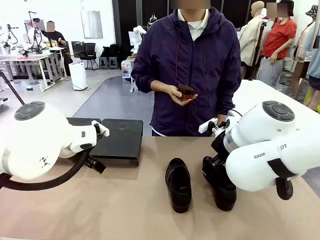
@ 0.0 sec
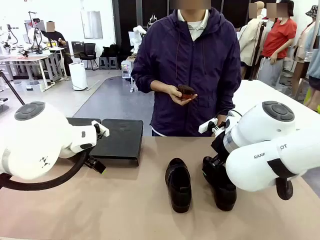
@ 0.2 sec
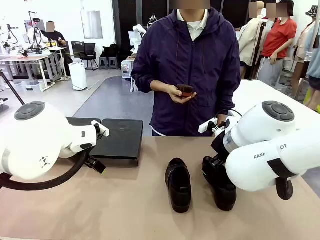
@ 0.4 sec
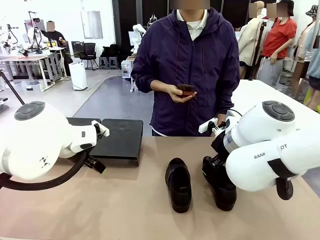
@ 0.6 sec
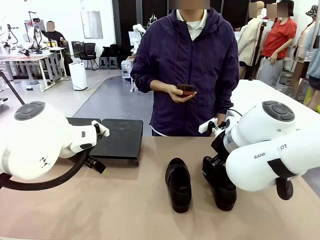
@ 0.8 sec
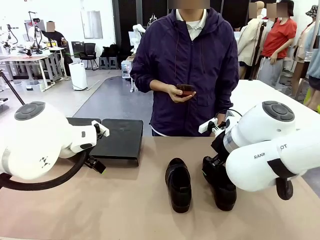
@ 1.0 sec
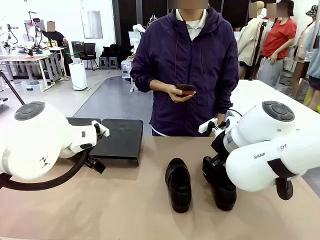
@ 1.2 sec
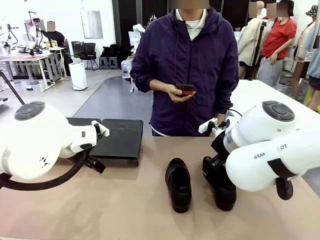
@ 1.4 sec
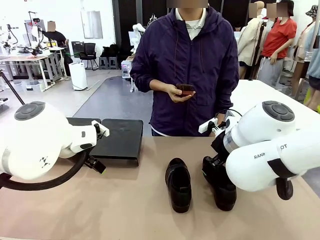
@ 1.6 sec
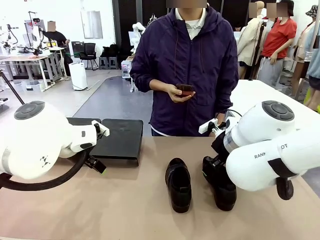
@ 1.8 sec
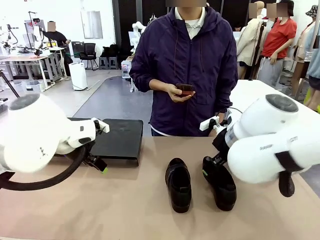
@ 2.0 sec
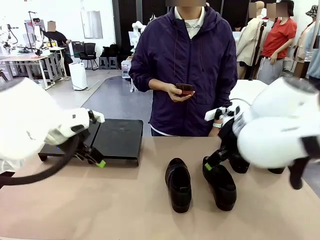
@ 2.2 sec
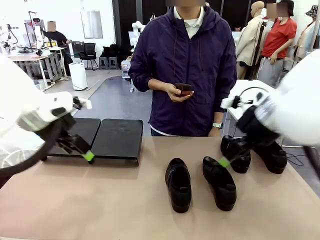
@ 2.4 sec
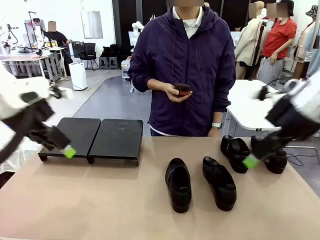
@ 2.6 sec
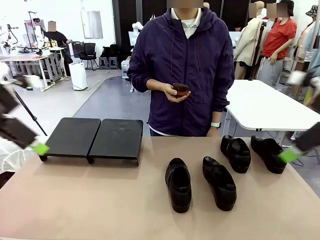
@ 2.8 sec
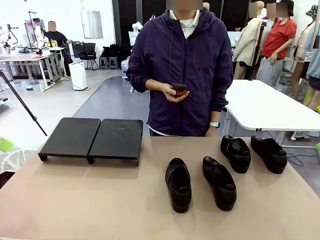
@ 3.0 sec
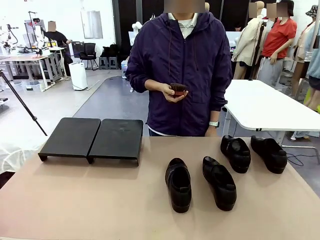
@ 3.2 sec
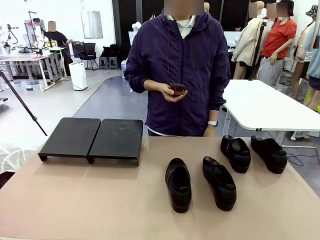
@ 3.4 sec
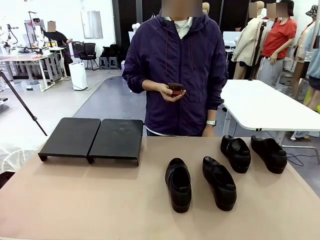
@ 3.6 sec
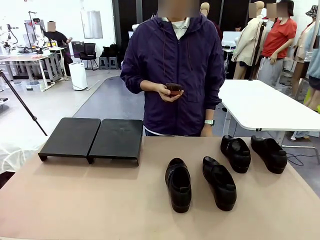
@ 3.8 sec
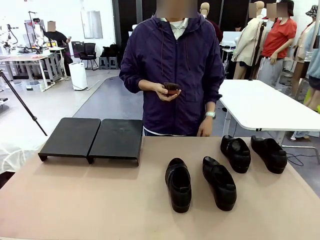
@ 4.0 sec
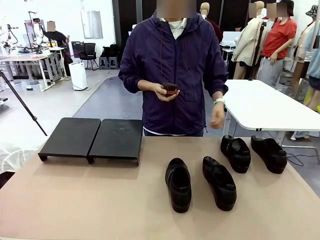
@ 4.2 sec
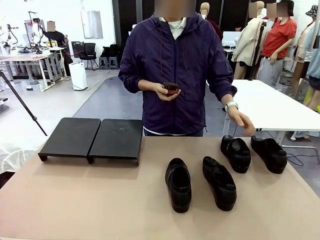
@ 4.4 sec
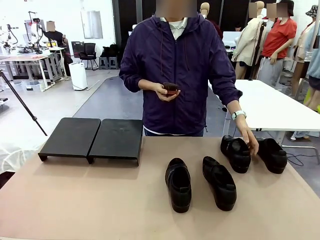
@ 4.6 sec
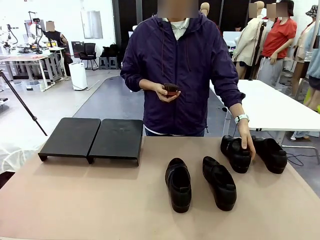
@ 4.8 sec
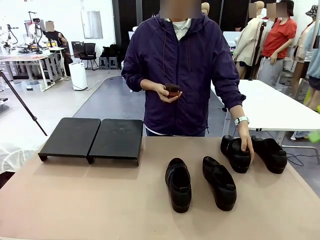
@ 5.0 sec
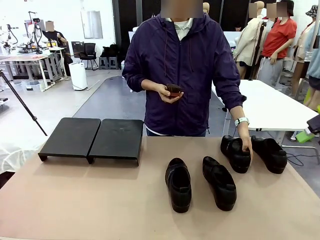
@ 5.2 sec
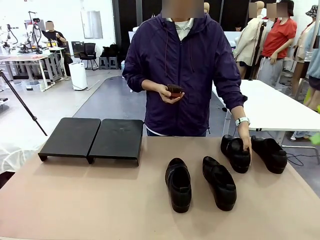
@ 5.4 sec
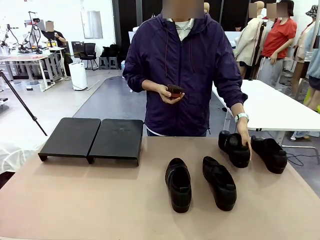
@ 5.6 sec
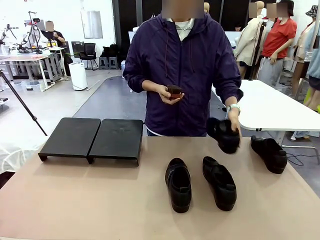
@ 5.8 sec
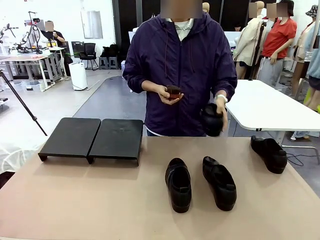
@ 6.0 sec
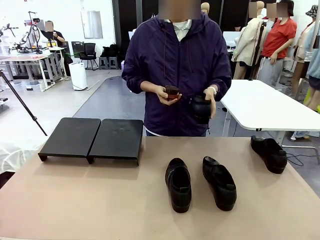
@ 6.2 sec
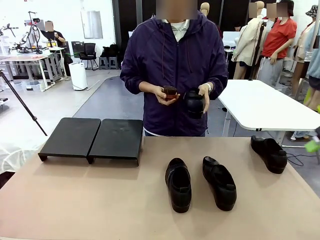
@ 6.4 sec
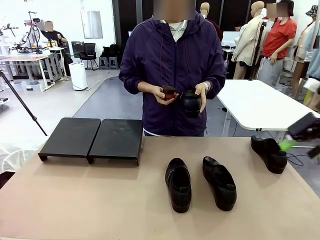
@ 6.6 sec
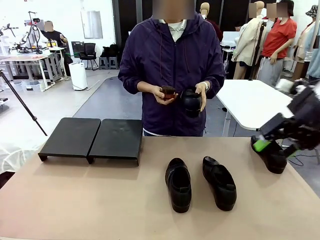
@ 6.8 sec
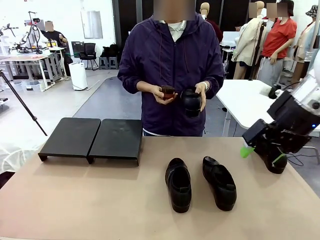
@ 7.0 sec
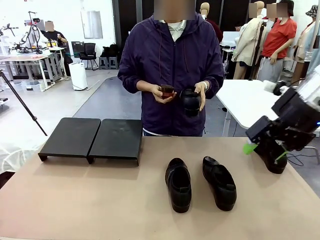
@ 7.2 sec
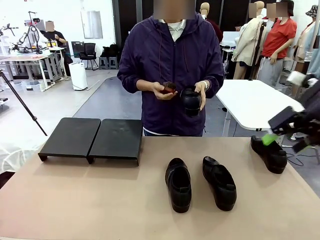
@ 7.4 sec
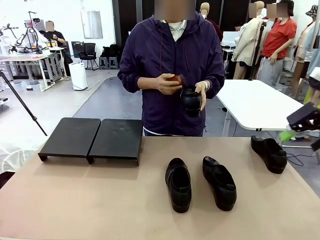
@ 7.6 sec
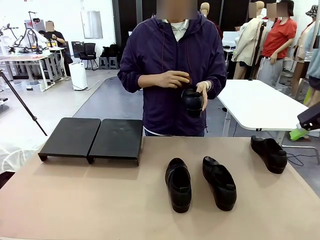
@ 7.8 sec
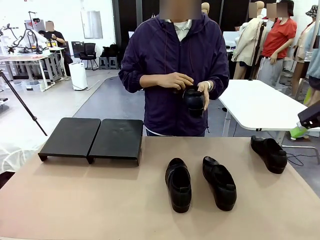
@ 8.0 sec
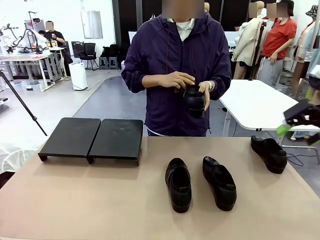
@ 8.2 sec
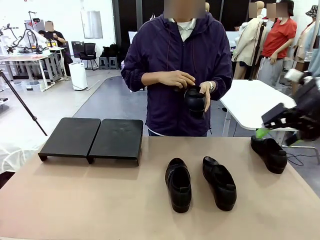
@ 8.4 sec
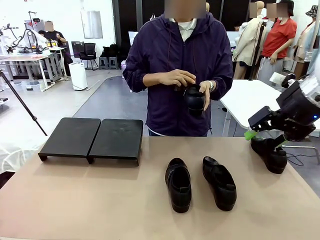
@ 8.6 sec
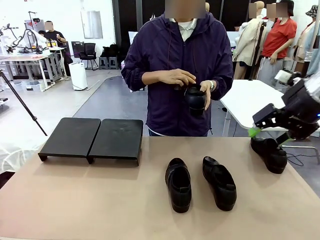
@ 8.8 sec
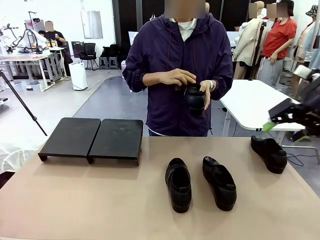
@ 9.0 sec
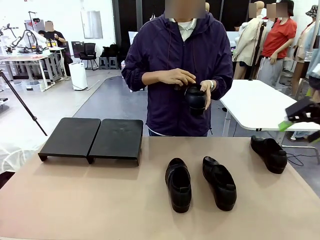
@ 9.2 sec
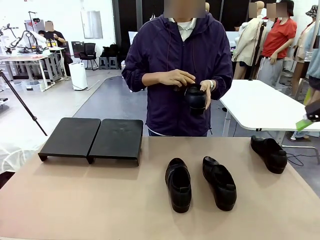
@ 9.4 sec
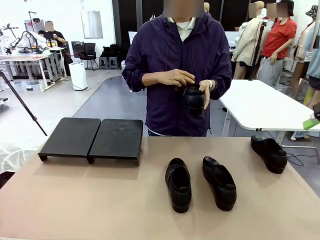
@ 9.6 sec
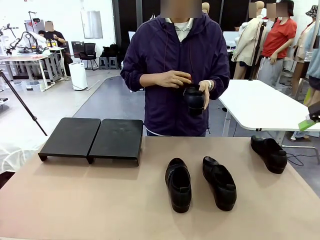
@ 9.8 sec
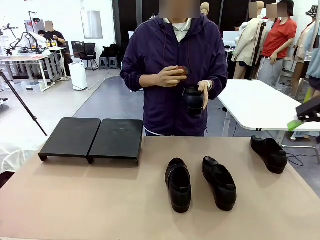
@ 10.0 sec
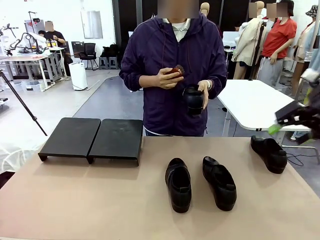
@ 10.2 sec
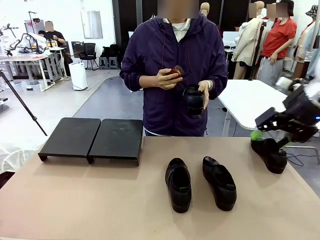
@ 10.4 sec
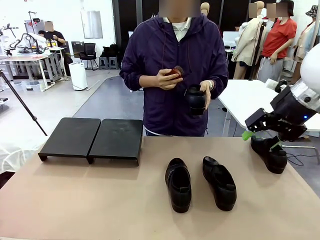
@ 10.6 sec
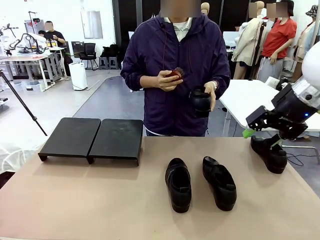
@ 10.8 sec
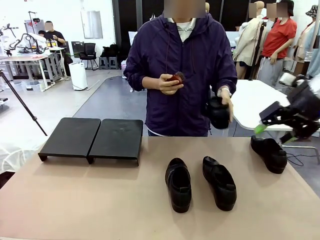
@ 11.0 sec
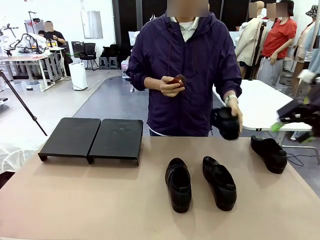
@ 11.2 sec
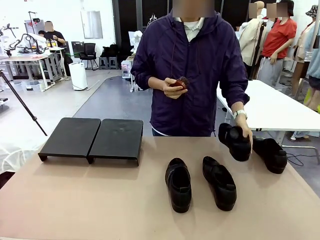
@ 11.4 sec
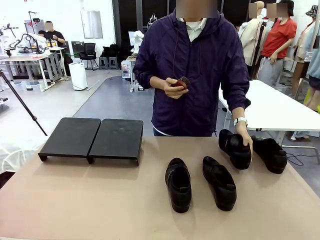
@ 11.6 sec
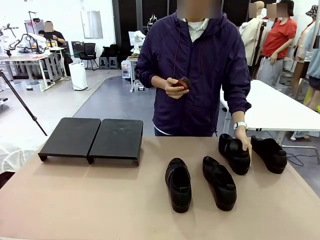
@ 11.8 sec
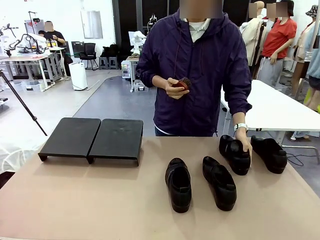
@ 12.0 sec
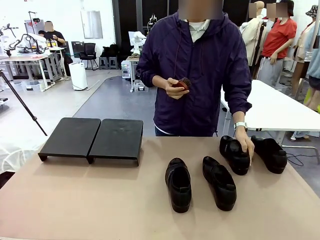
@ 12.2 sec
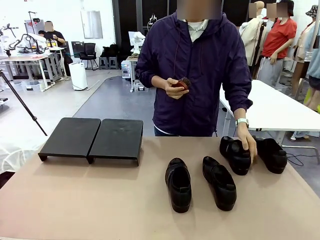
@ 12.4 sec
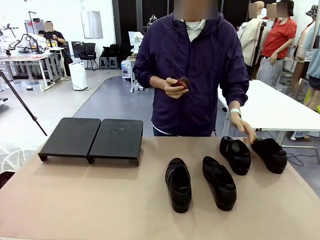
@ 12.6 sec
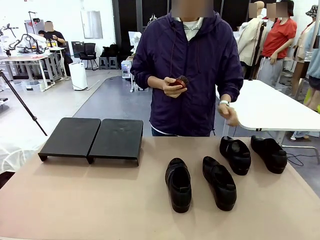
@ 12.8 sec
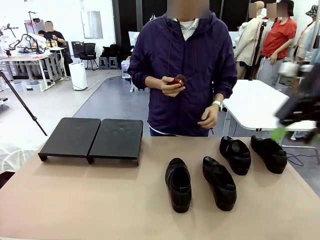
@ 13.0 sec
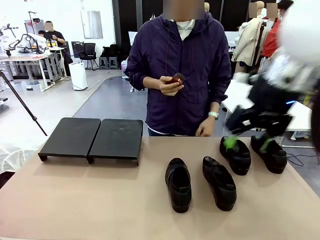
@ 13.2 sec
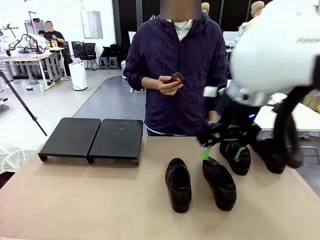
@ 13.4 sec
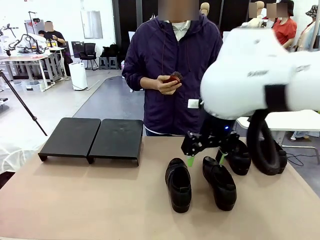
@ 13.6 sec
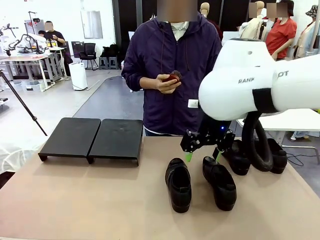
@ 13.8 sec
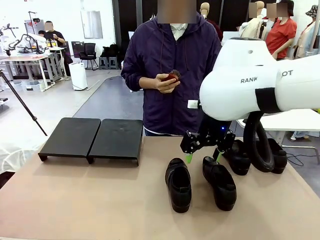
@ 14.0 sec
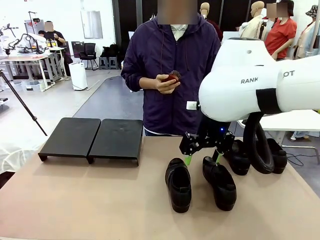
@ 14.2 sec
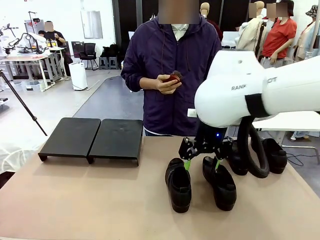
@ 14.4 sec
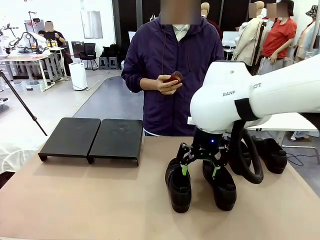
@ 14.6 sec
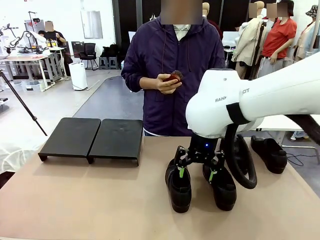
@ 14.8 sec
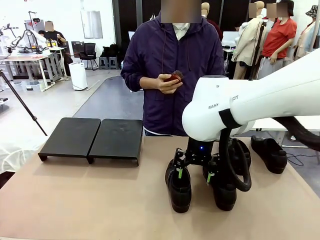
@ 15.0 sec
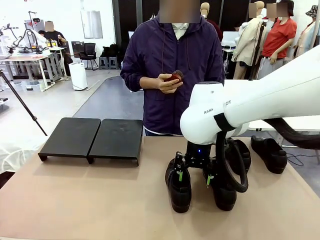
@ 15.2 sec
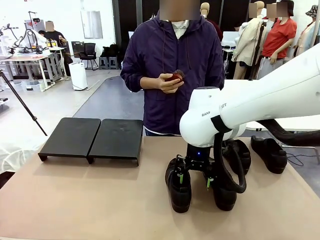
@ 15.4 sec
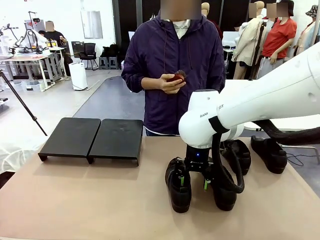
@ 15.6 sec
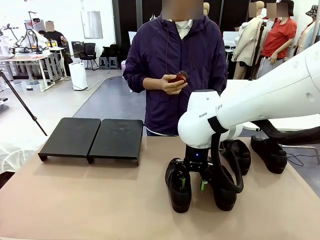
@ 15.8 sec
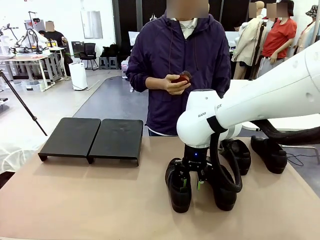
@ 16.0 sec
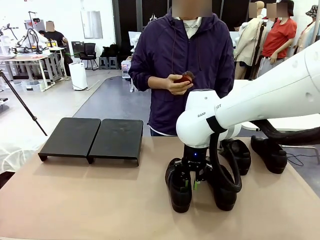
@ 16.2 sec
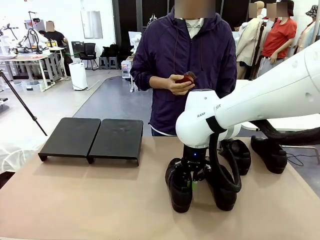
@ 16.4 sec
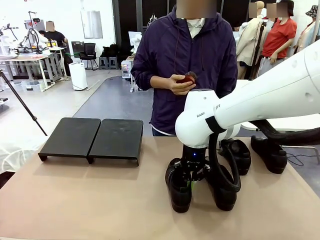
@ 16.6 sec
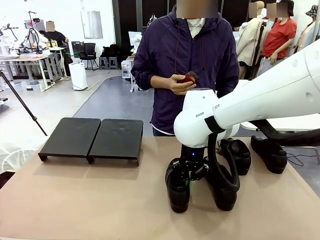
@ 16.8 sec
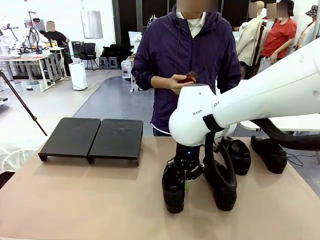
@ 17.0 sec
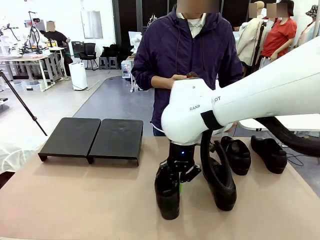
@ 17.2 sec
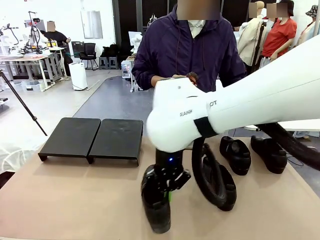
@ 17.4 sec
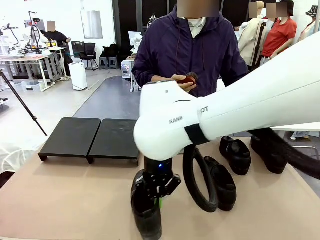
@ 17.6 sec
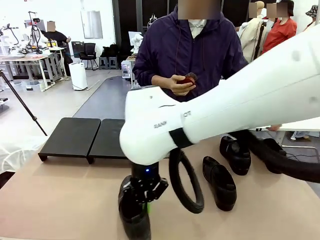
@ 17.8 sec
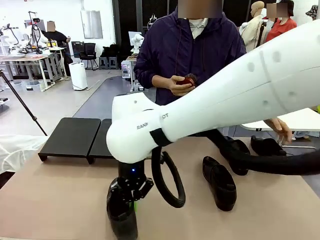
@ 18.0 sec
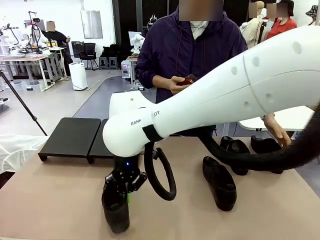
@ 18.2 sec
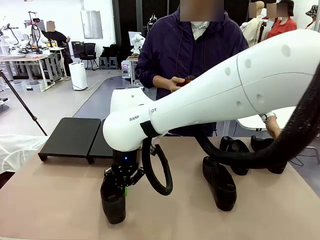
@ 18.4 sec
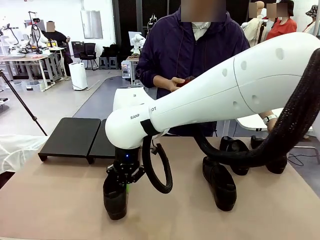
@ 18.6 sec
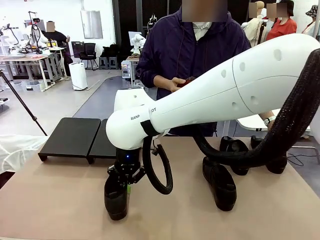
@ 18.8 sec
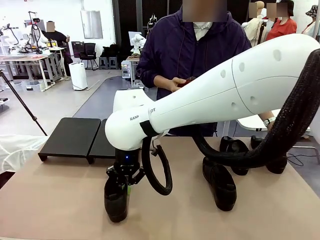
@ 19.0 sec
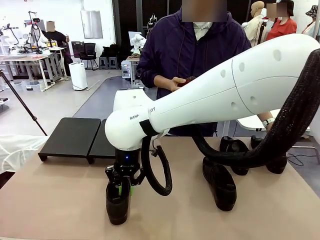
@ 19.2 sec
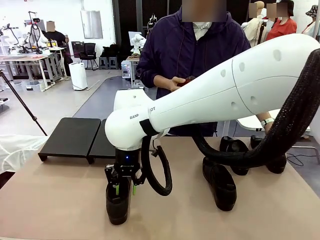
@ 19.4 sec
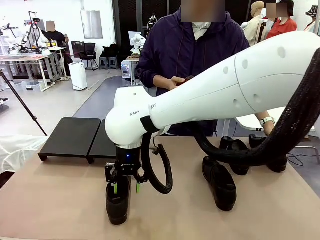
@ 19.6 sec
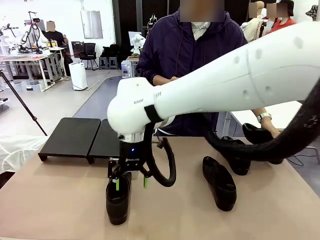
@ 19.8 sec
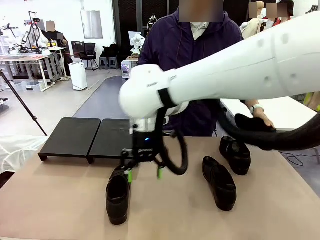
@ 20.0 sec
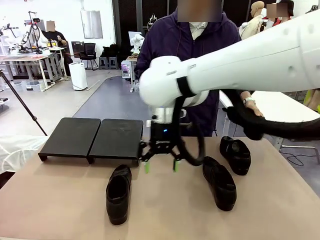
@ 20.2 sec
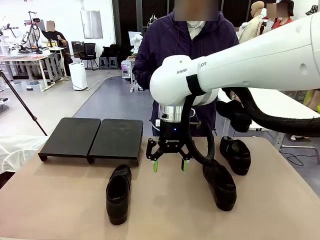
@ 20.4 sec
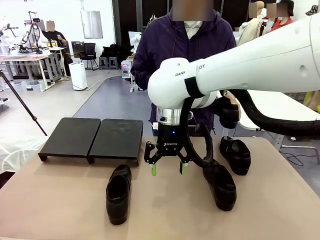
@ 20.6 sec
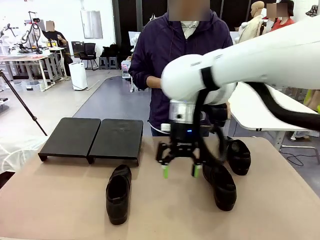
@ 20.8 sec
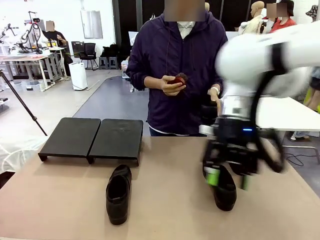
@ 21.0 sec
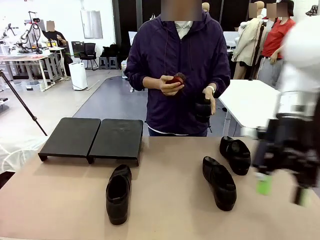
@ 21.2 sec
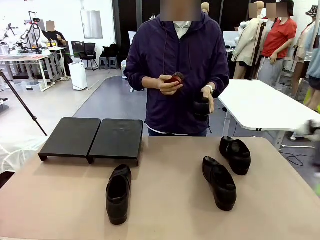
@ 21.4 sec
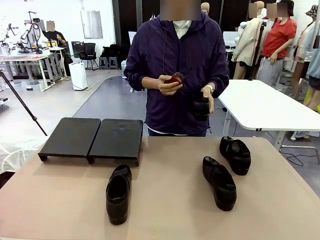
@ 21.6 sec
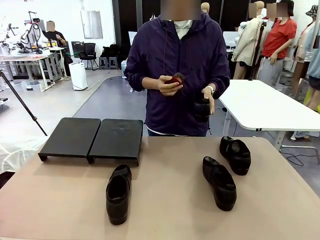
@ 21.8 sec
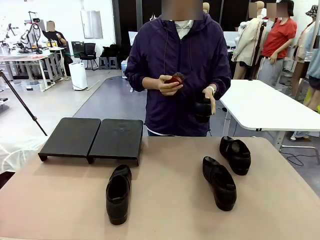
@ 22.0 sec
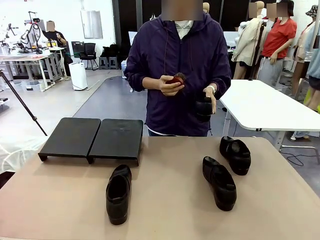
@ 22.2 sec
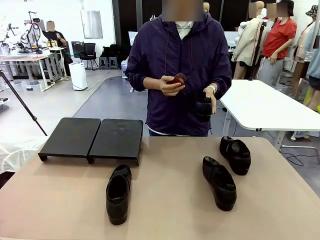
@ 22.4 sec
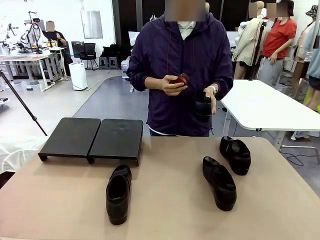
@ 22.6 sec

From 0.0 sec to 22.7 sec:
Task: Organize the shoes by placing them on the stand.
Robot: Pick up one Shoe and place it in the middle of the table.
Person: Pick one Shoe on Robot's table. Clean the Shoe with the Shoe Brush. Place the Shoe on left side of the Robot's table. Pick one Shoe on Robot's table.
